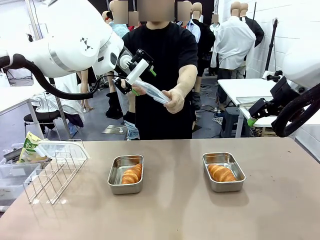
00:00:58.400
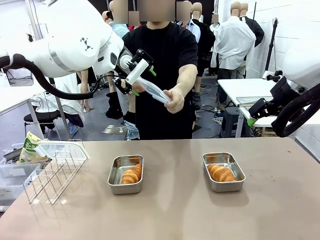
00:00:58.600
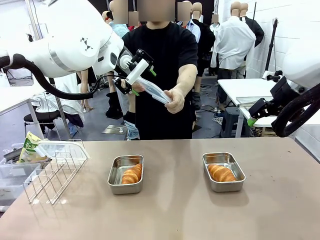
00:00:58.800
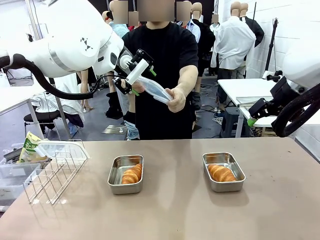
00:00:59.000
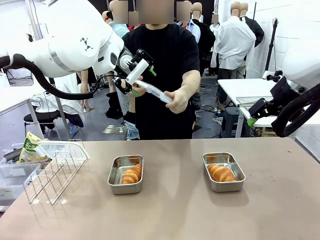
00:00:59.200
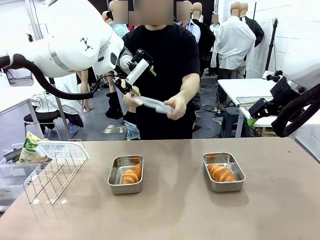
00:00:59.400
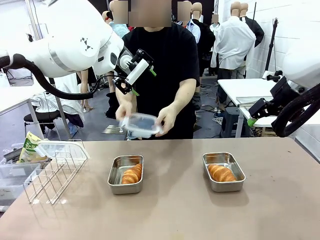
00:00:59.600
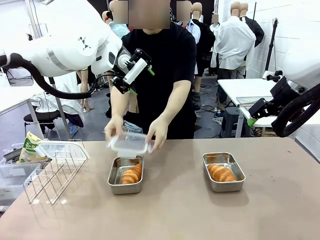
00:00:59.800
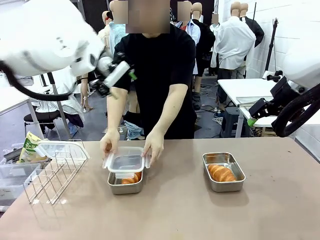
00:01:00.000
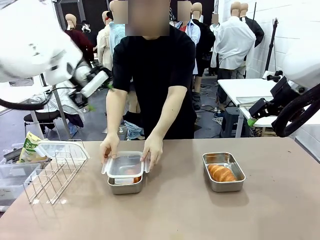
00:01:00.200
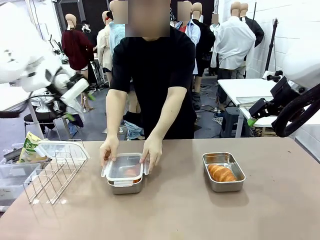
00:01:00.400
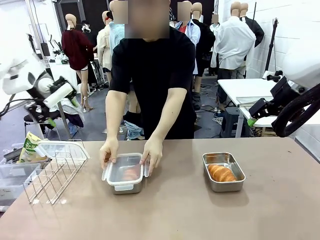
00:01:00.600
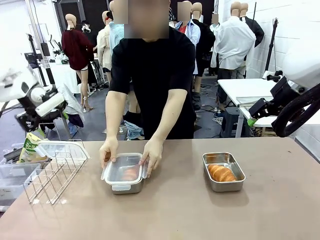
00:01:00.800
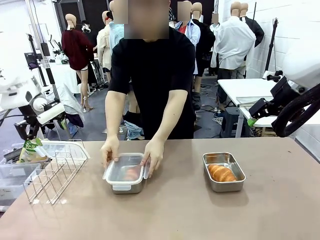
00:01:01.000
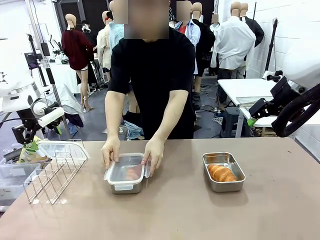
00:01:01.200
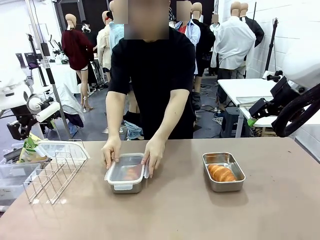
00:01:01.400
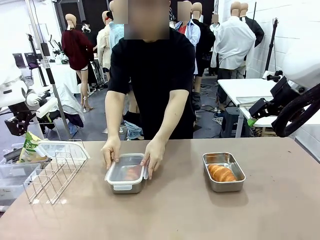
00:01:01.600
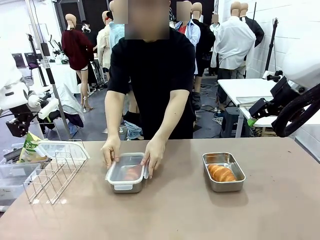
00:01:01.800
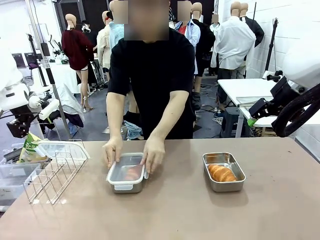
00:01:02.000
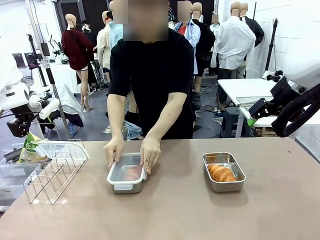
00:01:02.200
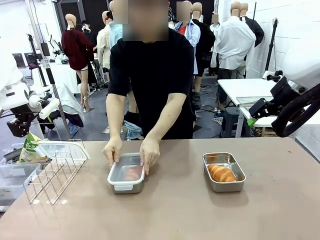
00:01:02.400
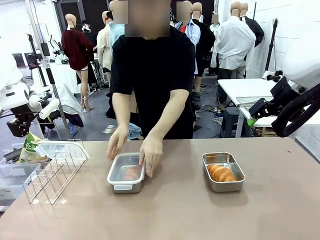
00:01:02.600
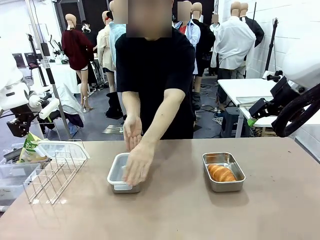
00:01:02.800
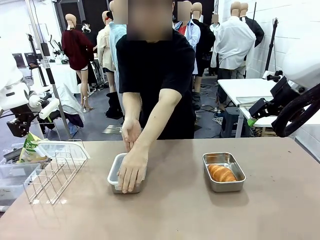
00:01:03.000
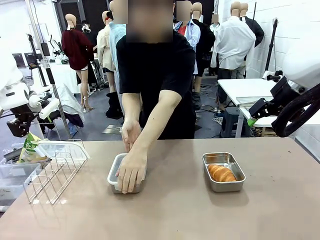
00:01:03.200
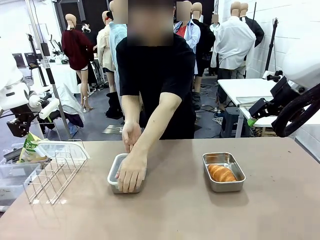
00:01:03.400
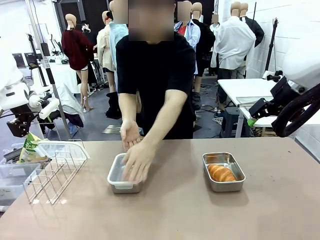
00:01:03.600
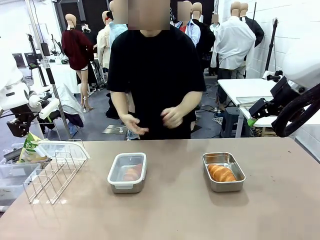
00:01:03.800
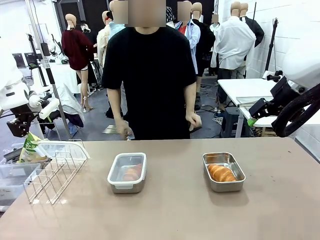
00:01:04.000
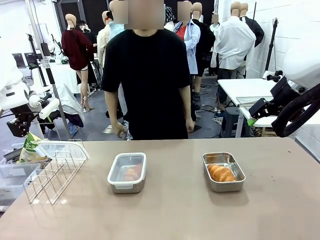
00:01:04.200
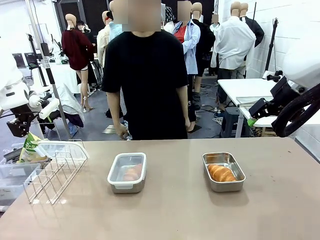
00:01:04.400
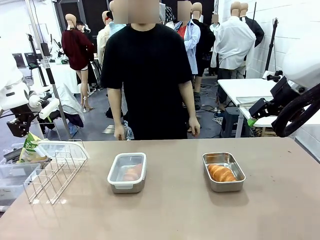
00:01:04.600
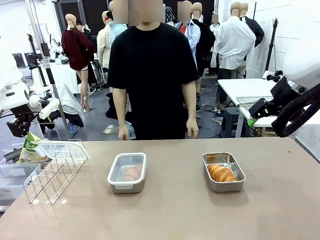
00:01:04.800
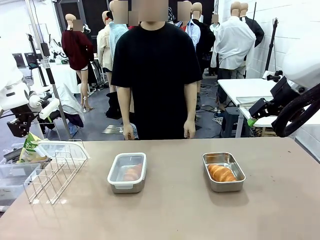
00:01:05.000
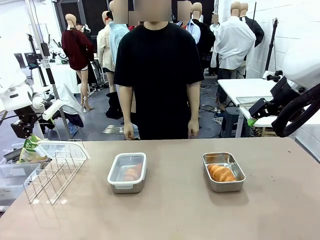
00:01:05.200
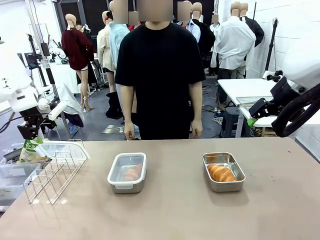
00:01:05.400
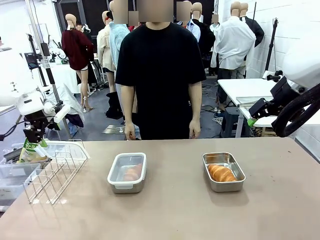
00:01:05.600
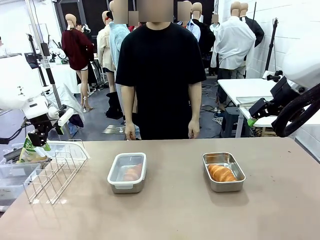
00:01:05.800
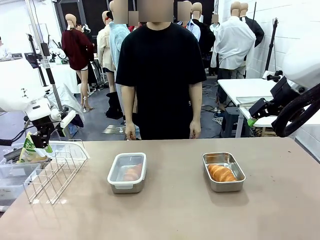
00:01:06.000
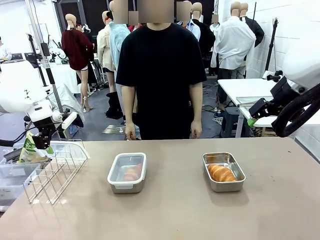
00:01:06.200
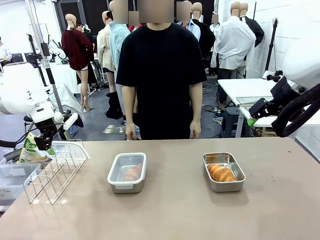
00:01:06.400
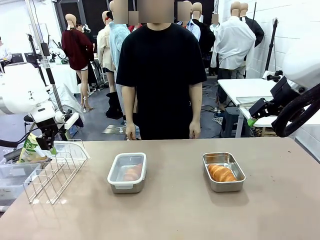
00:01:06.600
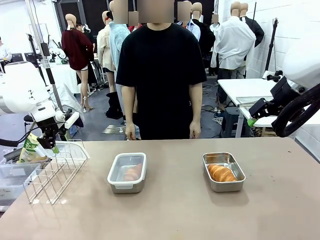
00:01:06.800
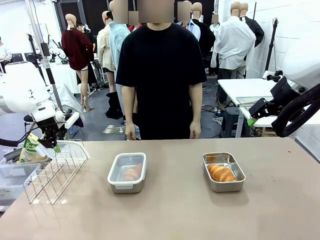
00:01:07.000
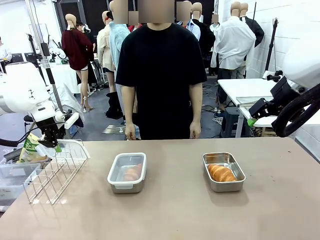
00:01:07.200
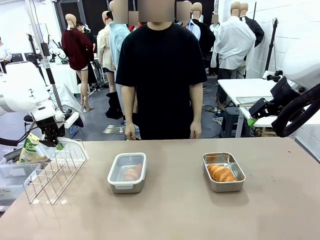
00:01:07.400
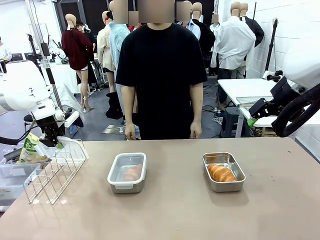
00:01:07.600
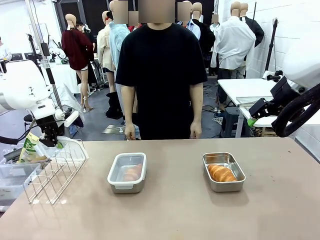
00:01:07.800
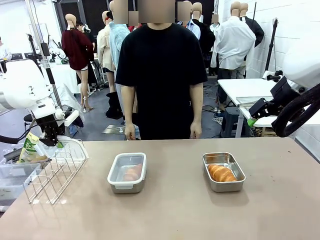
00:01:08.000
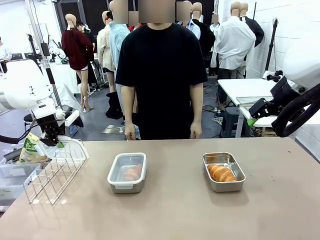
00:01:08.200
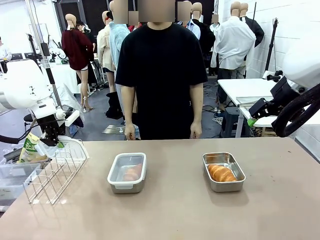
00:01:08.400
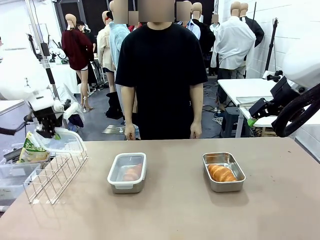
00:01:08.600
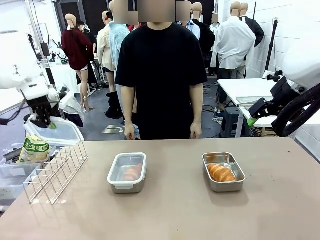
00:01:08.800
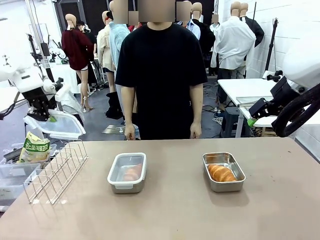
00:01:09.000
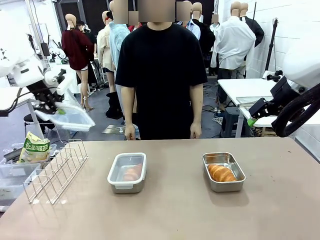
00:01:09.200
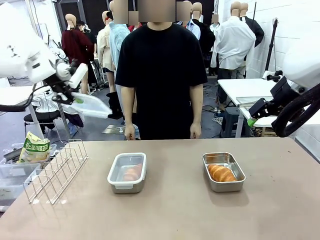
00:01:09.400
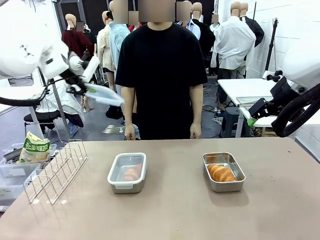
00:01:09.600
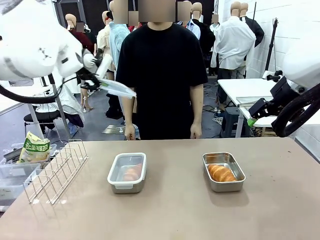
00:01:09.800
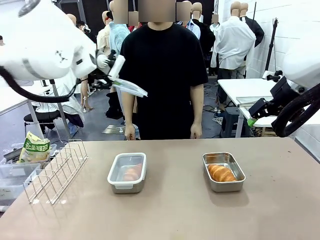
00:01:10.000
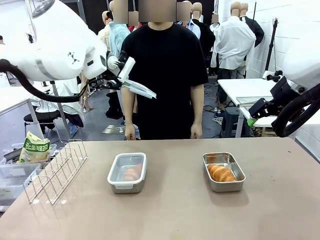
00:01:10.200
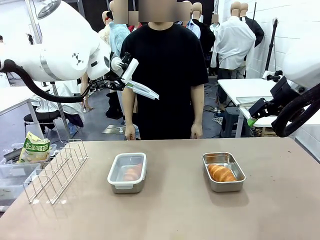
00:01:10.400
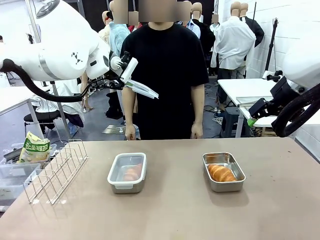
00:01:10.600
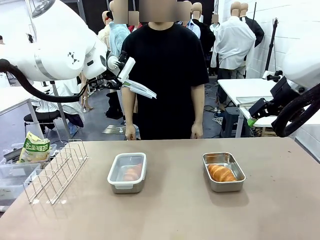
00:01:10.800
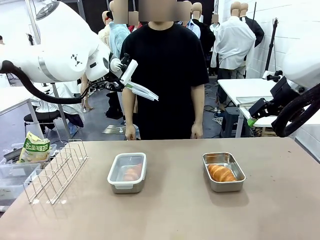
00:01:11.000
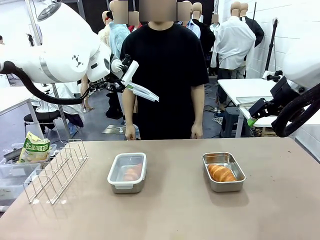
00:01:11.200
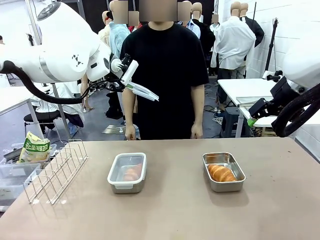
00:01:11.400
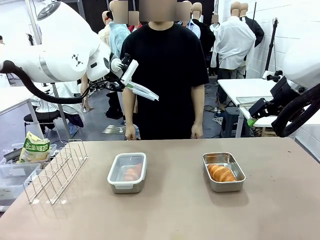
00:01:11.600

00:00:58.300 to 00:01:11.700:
Task: Place the bread in airtight containers.
Robot: Pick up one Airtight Container lid and hand it to the human.
Person: Close Airtight Container with a handed Airtight Container lid. Grip Airtight Container lid that robot is handing.

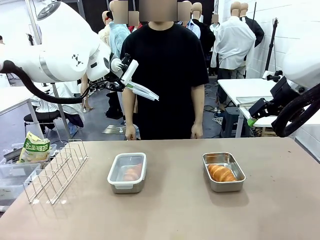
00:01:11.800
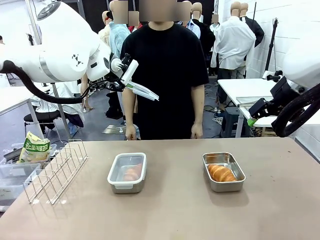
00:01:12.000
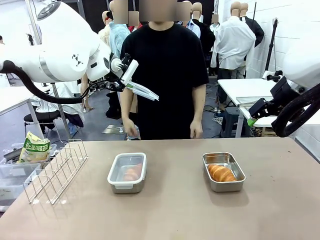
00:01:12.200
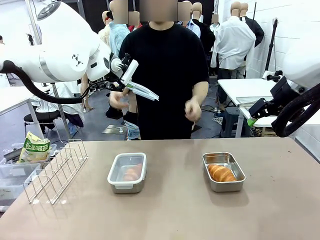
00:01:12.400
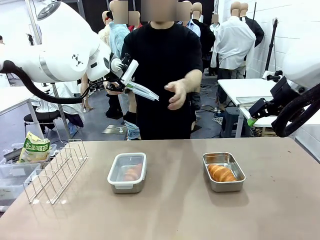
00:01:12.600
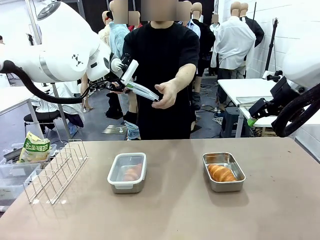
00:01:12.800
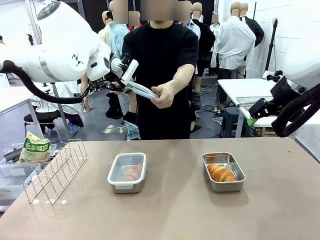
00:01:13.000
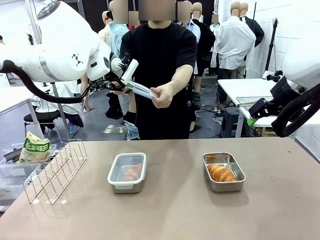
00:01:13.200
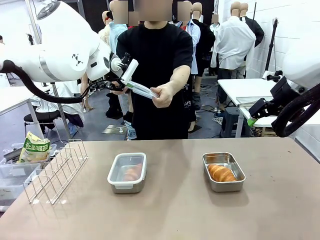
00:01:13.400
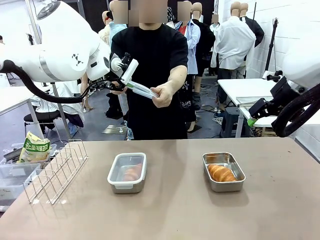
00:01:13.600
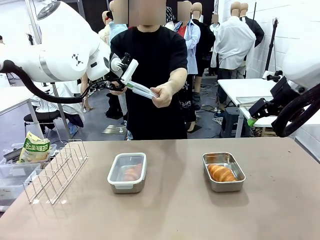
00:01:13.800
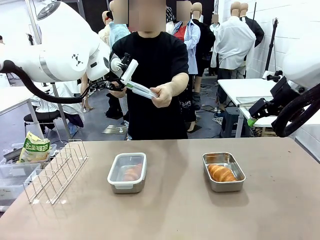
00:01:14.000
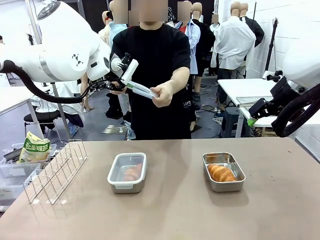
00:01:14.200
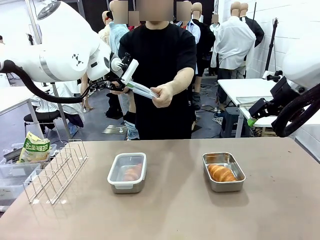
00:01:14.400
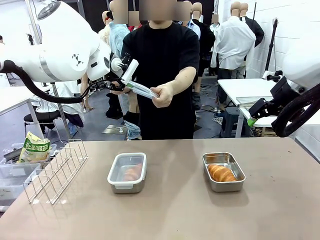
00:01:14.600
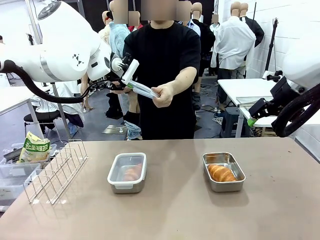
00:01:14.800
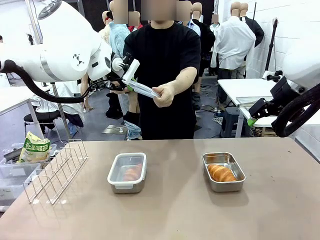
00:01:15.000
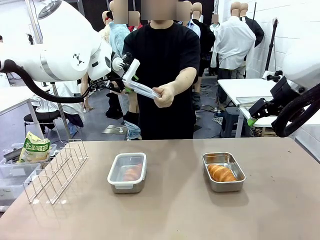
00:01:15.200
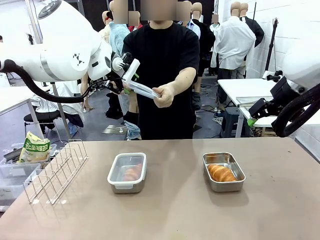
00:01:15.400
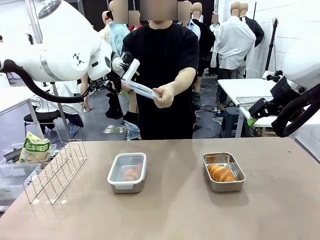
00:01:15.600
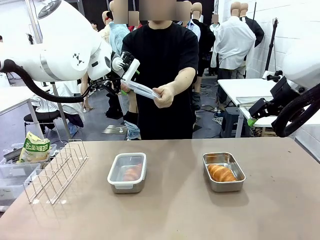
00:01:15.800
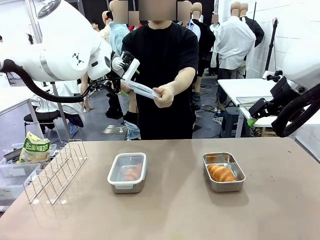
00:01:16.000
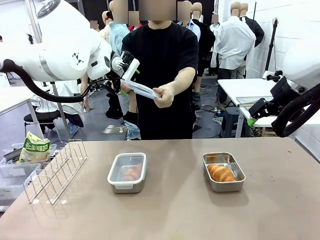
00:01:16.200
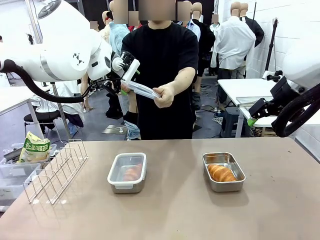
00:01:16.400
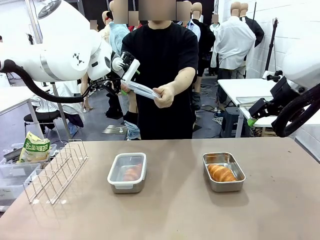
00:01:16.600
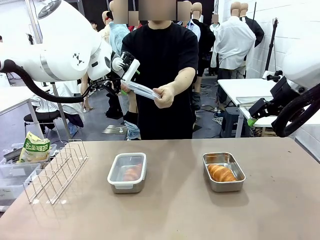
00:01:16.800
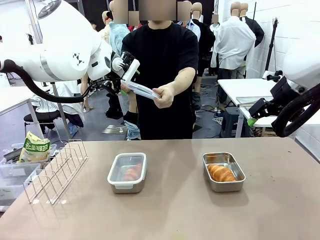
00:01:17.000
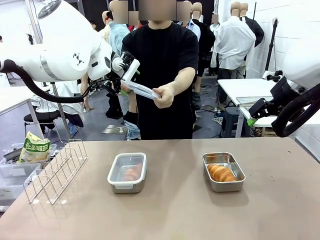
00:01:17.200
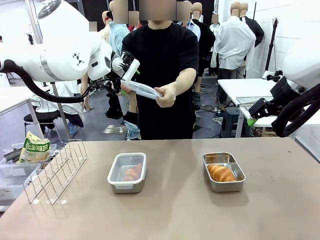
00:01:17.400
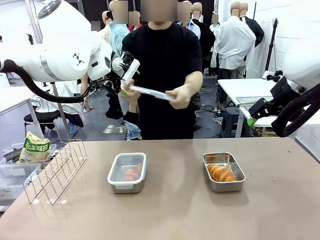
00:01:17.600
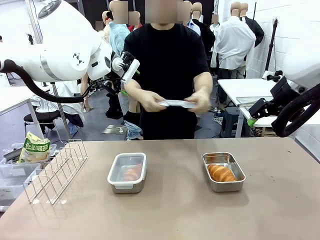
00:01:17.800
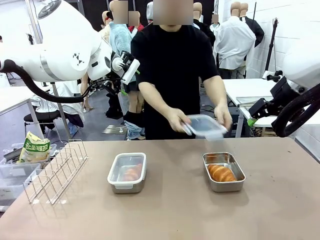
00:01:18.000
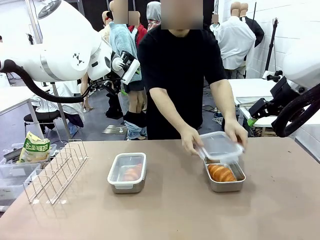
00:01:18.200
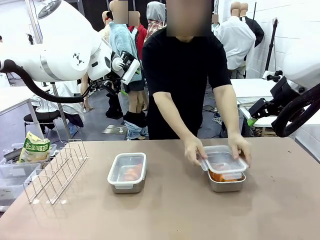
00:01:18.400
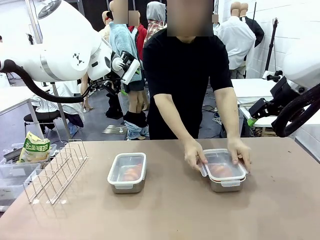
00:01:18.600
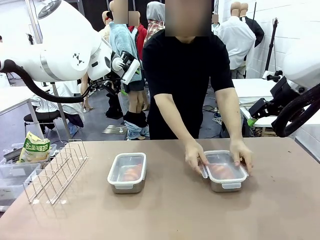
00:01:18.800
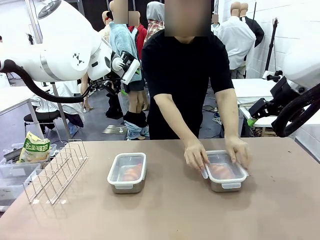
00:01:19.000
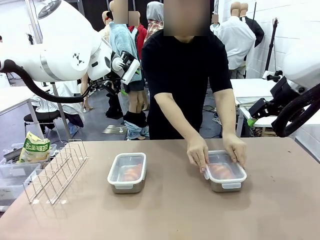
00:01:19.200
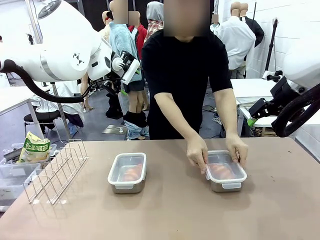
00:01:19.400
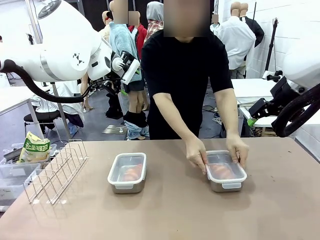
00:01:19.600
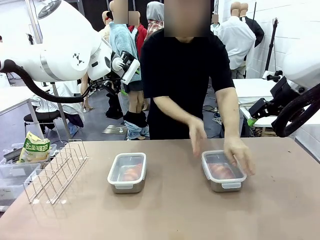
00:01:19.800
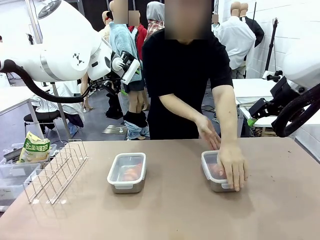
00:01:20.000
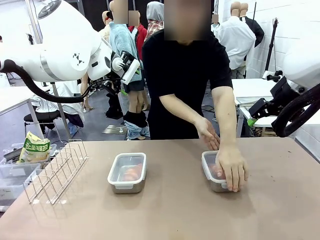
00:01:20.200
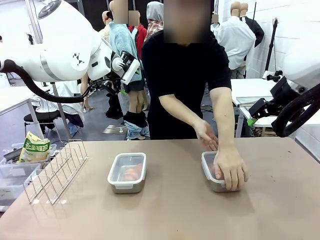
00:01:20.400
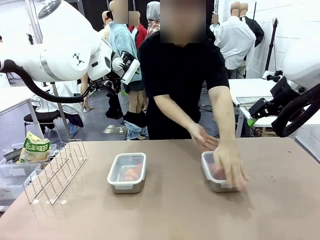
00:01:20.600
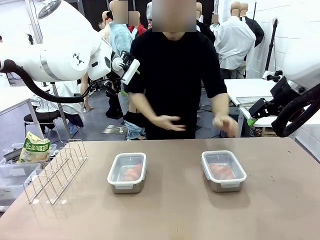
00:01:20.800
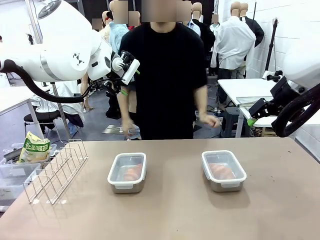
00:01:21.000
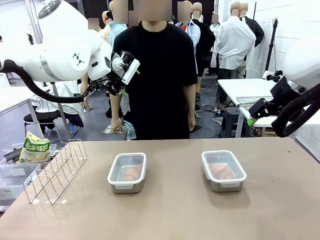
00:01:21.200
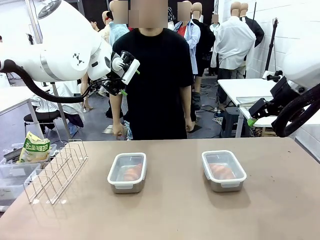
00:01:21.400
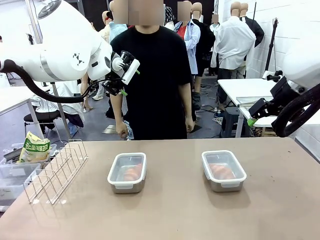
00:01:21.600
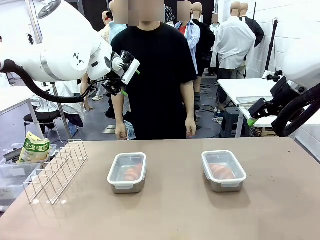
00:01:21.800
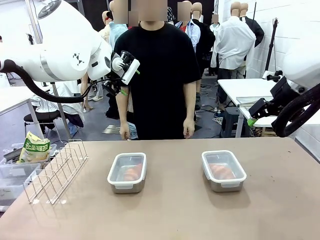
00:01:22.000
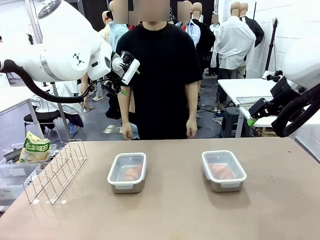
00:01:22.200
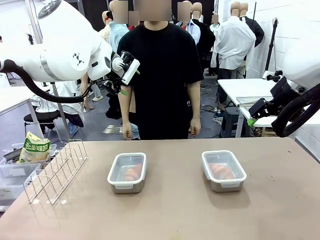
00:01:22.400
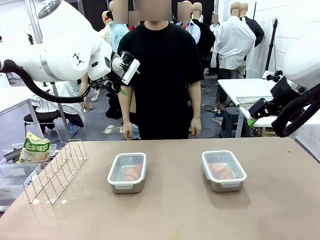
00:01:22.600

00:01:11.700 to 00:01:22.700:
Robot: Release when the human grabs the Airtight Container lid.
Person: Close Airtight Container with a handed Airtight Container lid.
